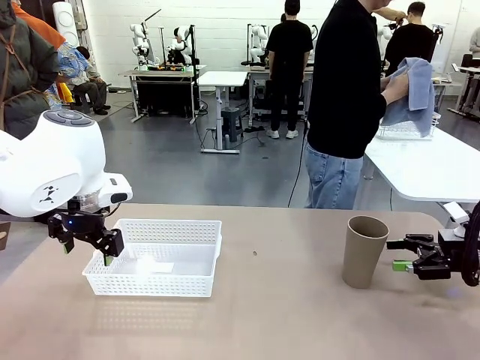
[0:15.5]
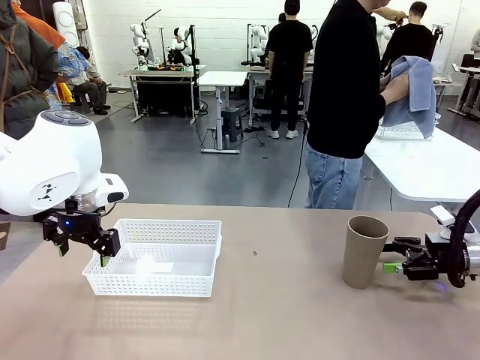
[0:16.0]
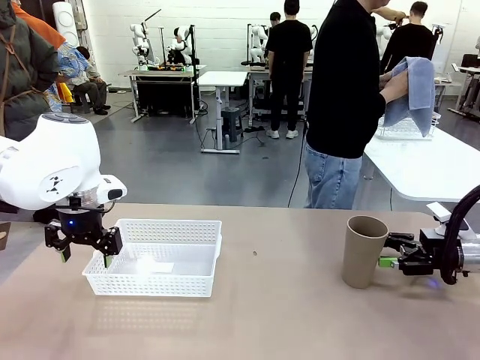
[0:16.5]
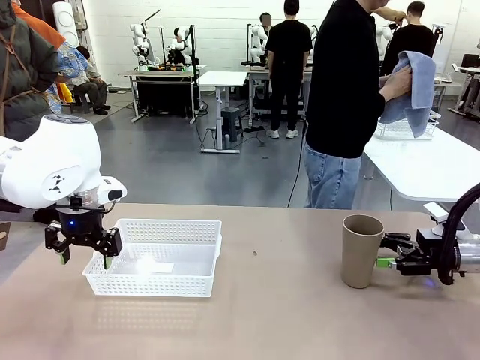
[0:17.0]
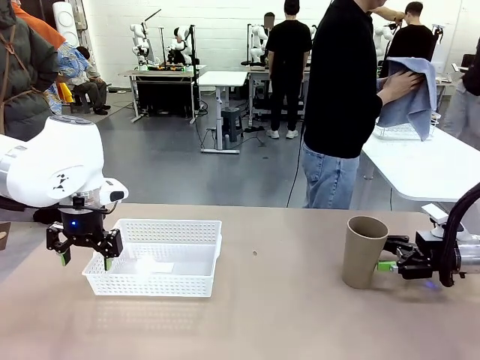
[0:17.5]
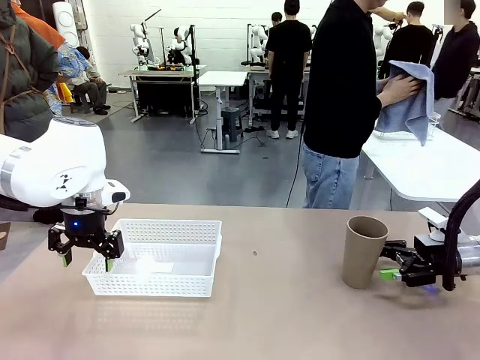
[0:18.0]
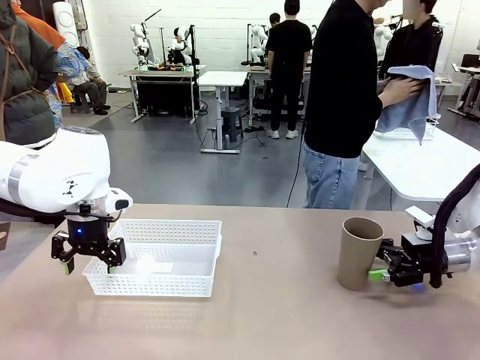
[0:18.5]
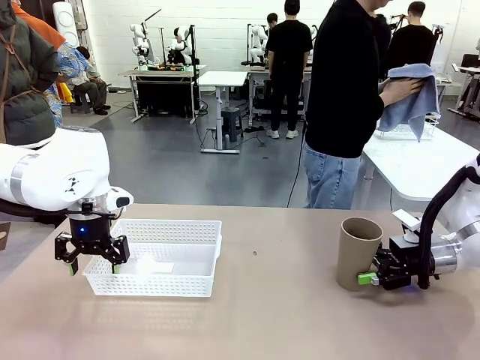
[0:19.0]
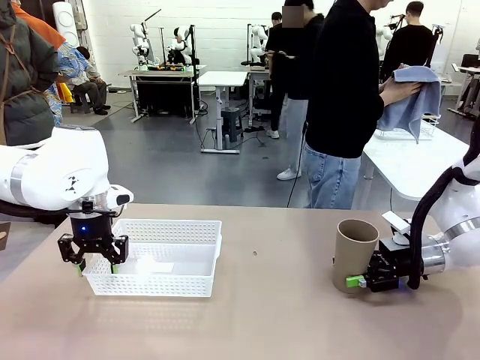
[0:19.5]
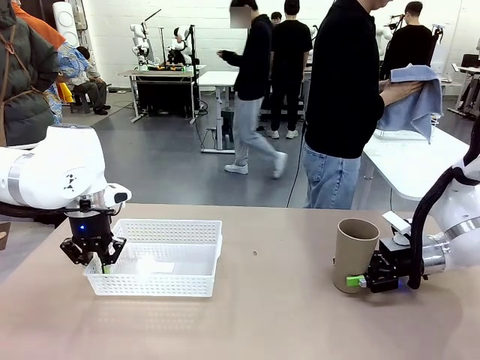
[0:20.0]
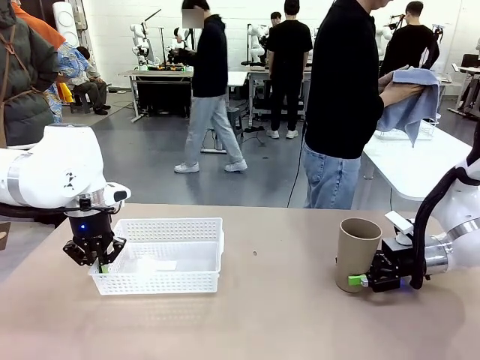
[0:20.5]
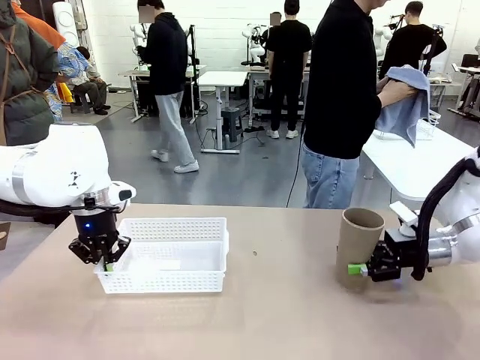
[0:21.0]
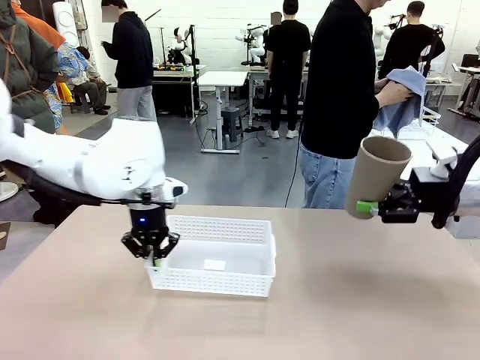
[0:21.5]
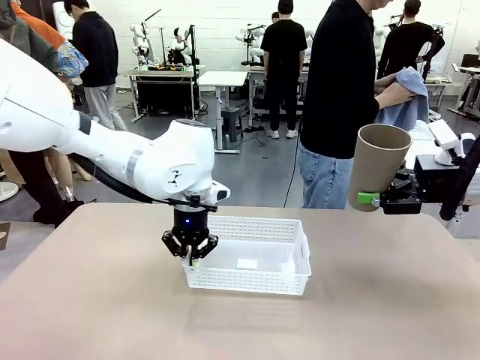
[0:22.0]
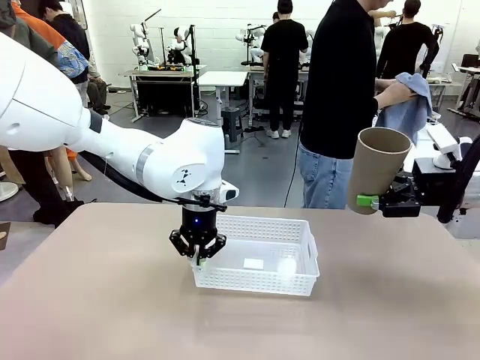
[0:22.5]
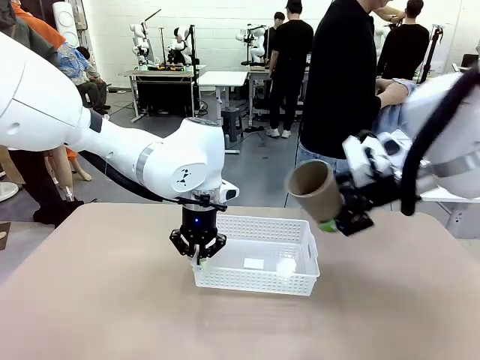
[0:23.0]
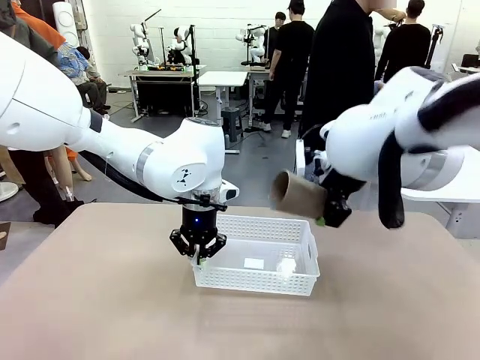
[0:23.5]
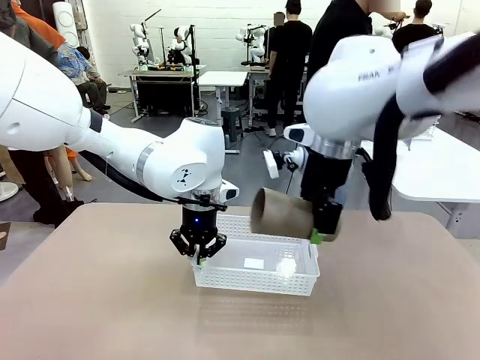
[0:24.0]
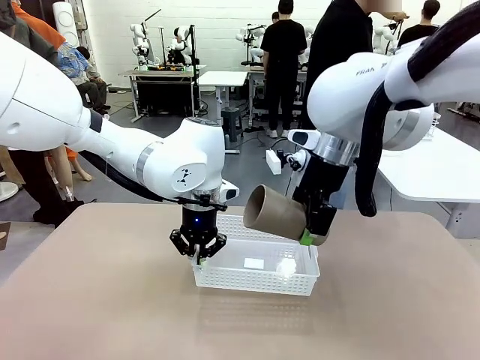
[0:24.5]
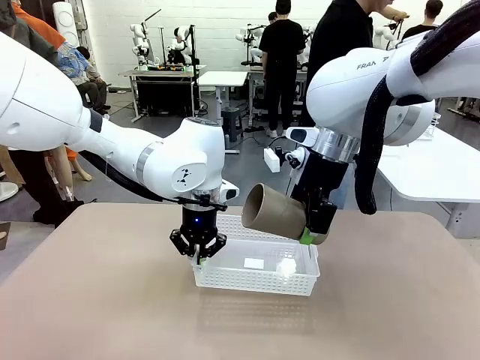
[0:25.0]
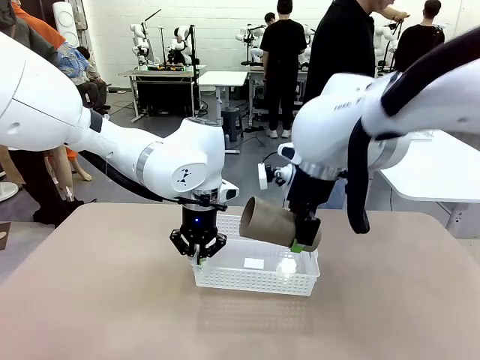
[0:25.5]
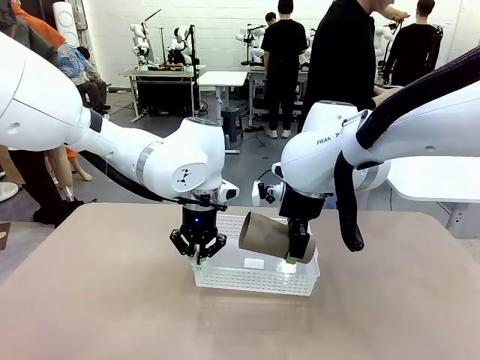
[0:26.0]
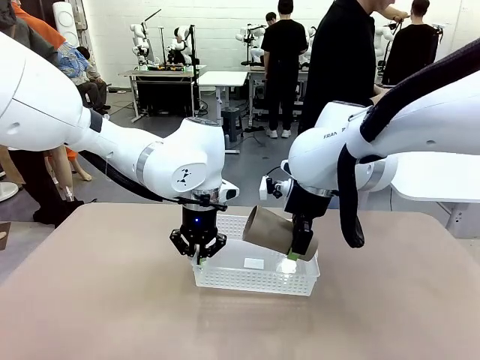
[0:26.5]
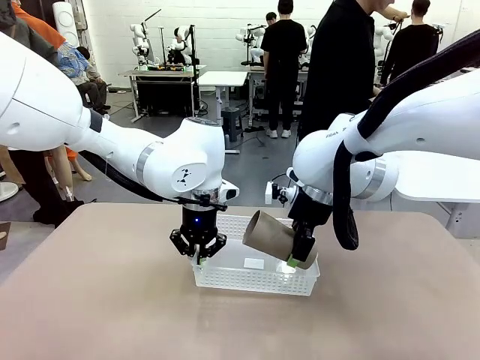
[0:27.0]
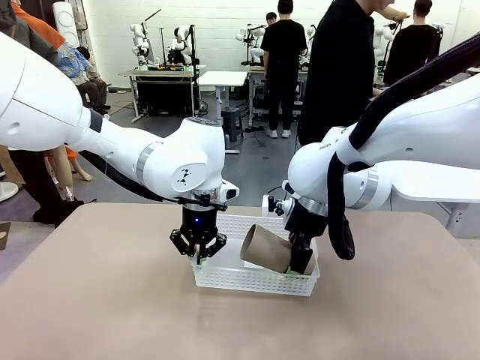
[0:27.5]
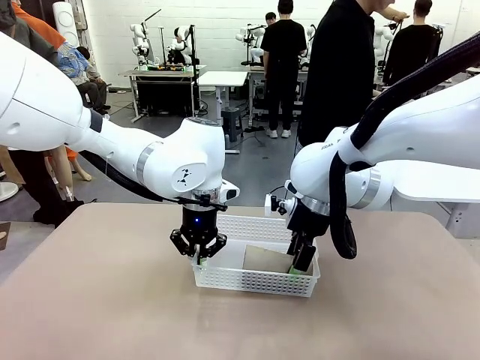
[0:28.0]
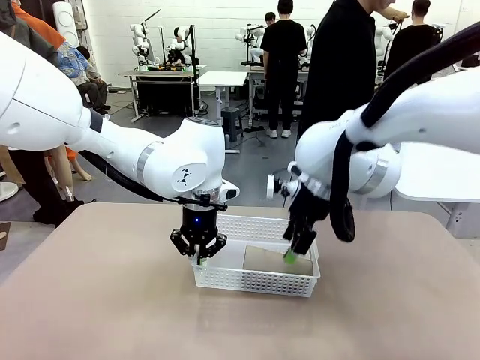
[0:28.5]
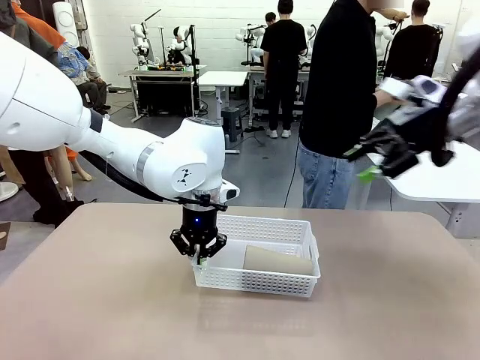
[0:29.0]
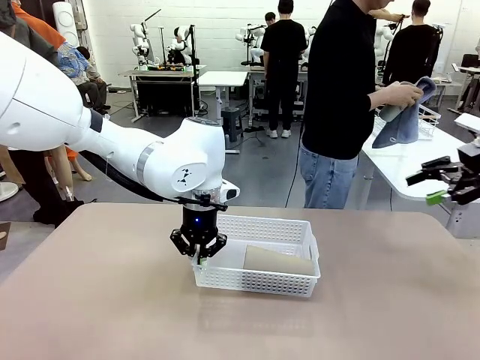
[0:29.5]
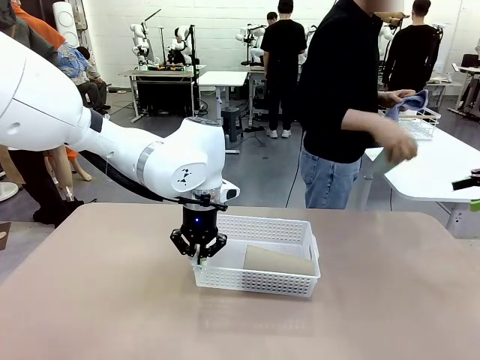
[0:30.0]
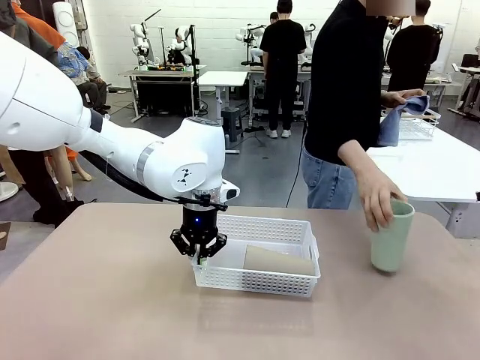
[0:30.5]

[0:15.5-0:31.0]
Task: Clean and organize the cups into the basket.
Robot: Pick up the Organizing basket and move it to the center of the table, then pick up the Reusable plastic cup from the right side of the table and place it inside the Organizing basket.

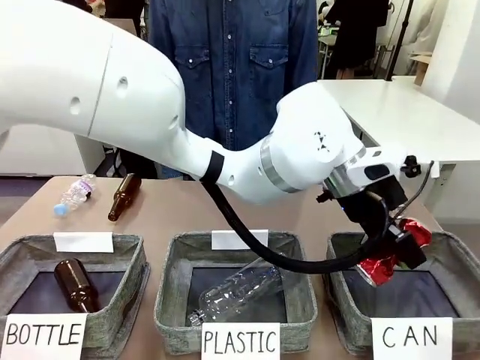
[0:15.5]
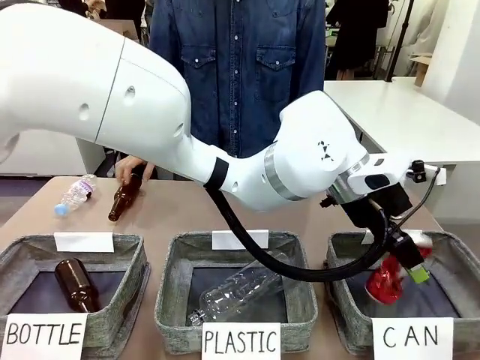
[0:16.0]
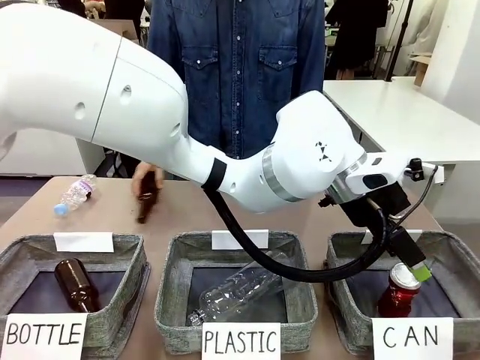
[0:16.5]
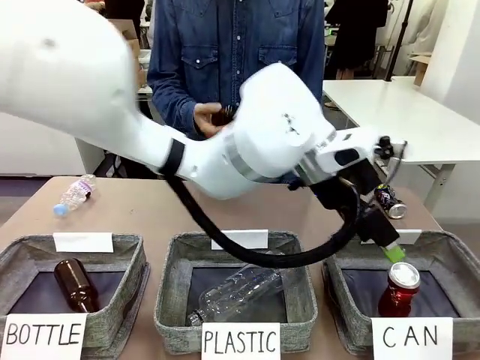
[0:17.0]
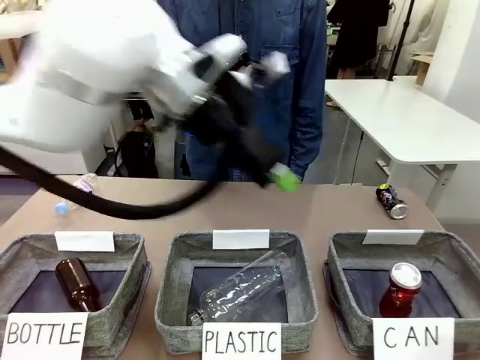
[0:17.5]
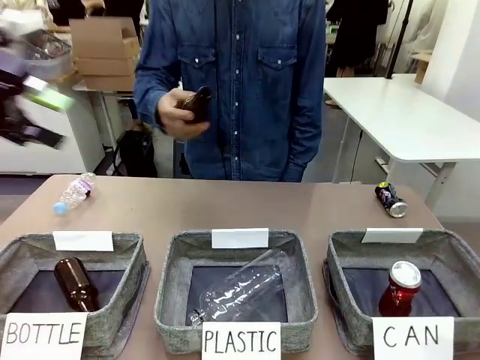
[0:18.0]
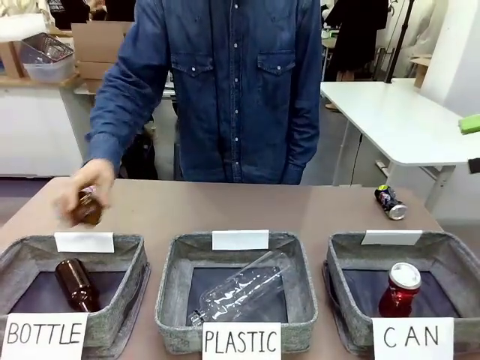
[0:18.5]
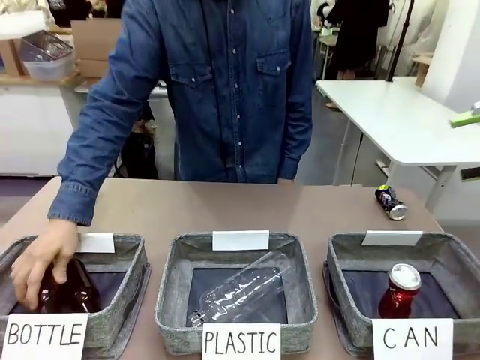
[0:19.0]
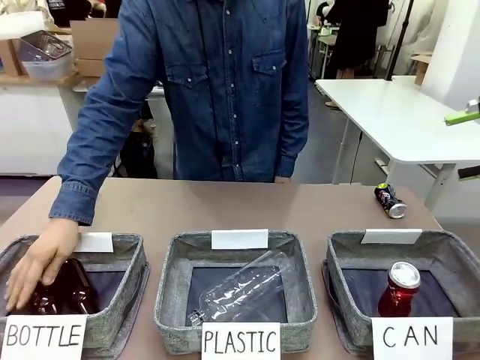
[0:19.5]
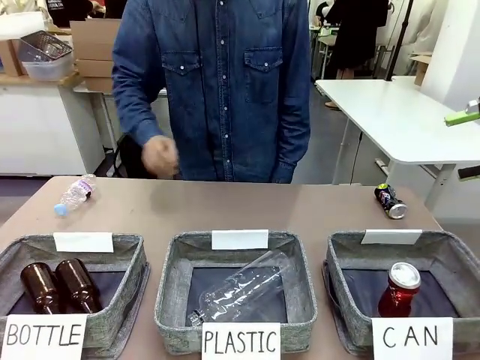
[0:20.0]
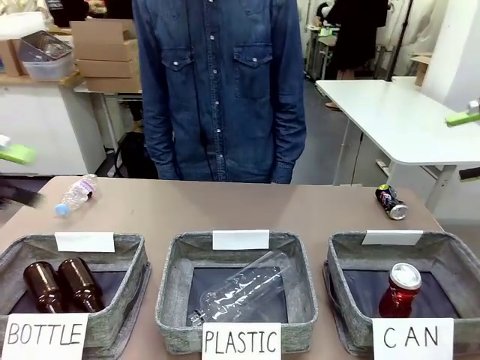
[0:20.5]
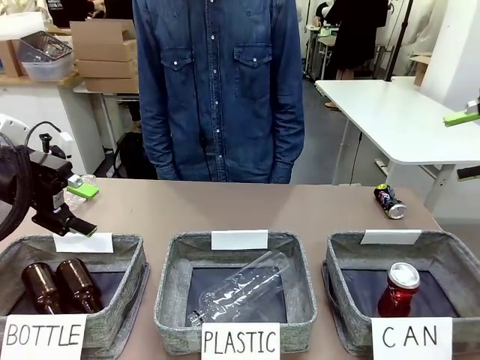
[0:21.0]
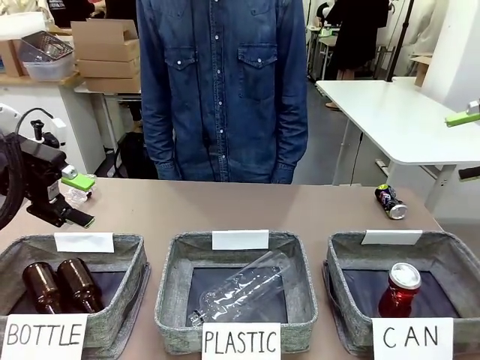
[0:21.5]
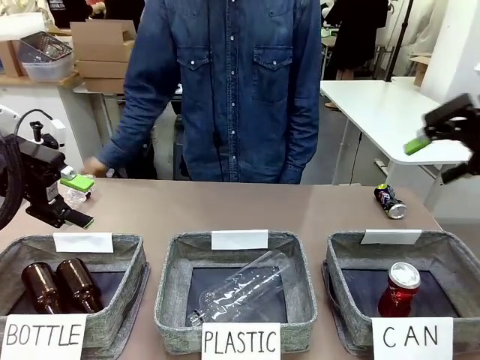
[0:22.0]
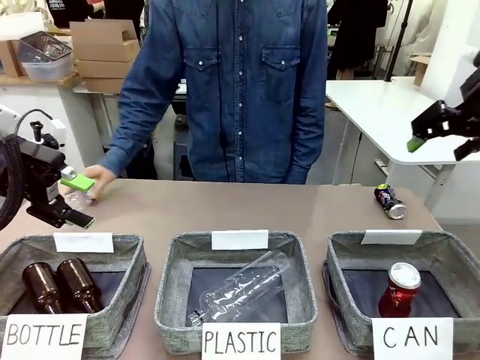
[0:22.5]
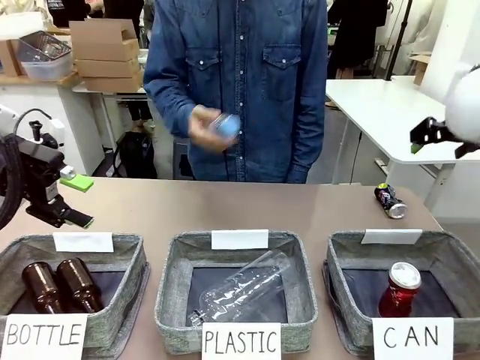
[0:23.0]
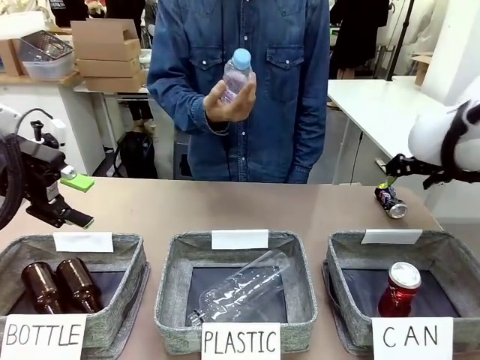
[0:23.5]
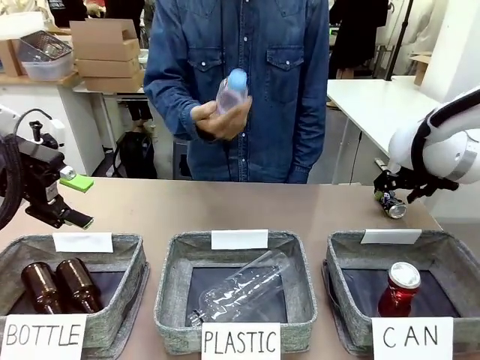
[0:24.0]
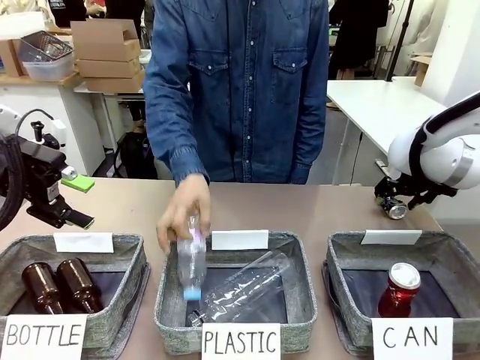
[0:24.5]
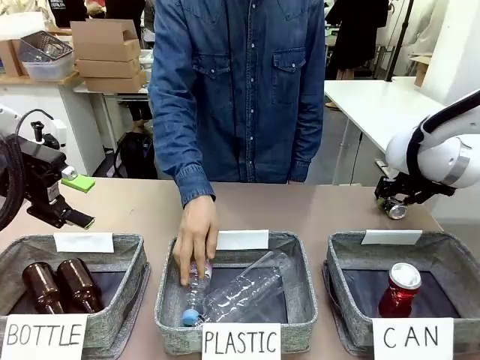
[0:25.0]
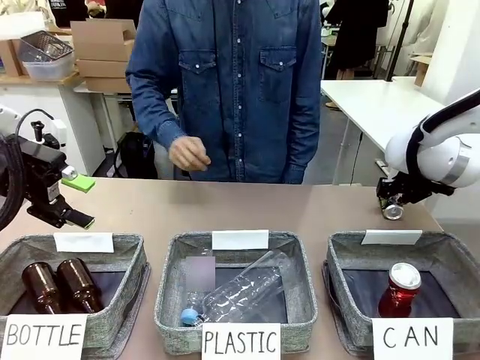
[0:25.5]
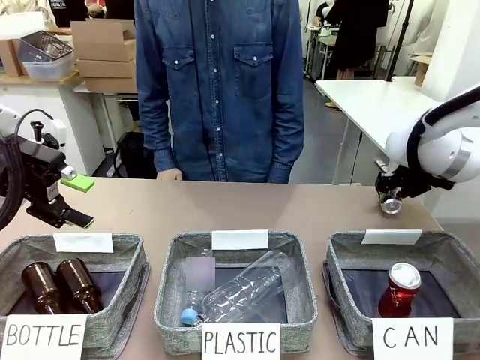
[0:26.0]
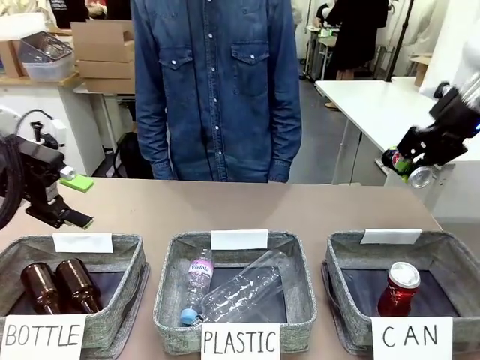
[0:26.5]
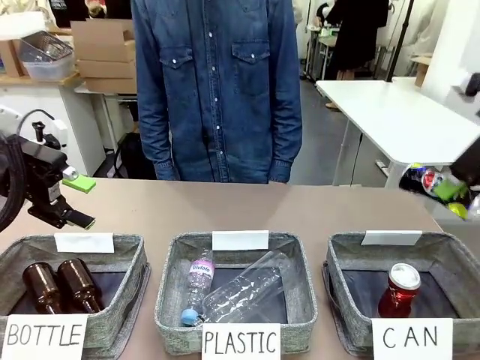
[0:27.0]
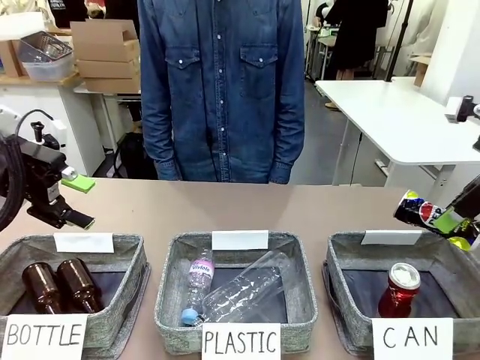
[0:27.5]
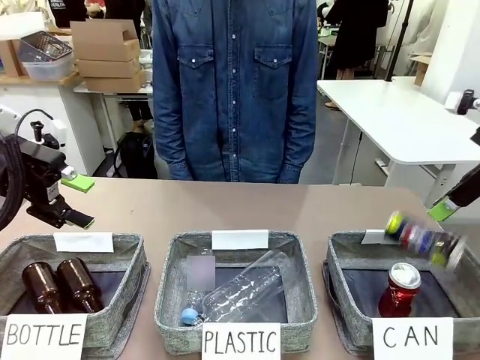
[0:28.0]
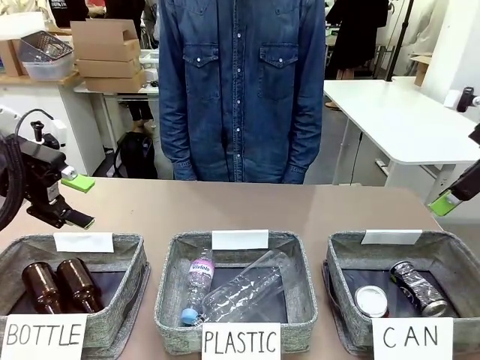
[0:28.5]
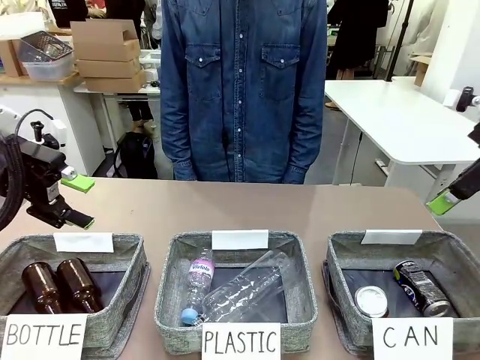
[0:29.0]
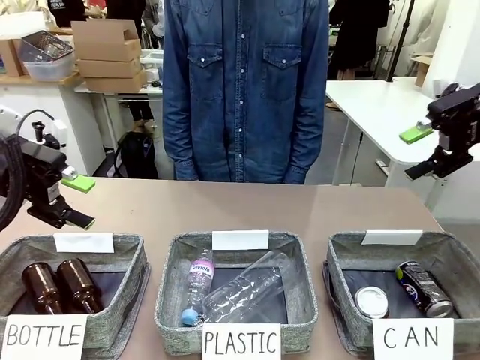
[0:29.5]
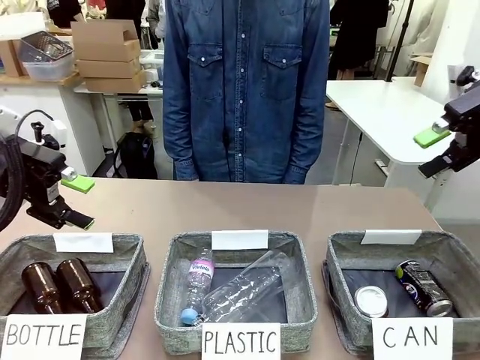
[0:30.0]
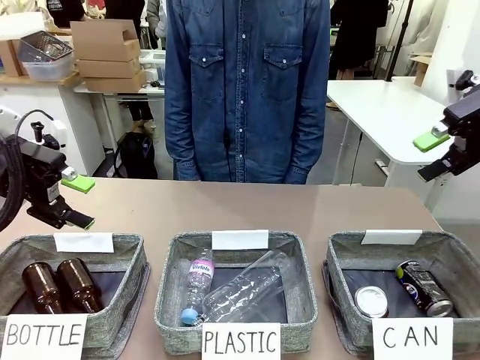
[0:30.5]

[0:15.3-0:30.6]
Task: Sort the can waste into the basket.
Robot: Pick up the can waste from the table and place it in the right Fabric basket.
